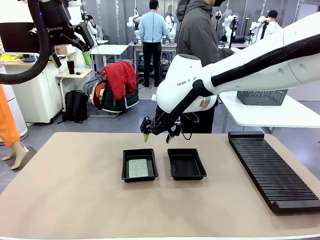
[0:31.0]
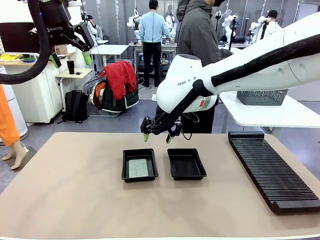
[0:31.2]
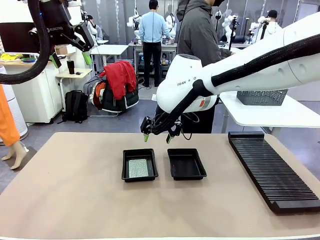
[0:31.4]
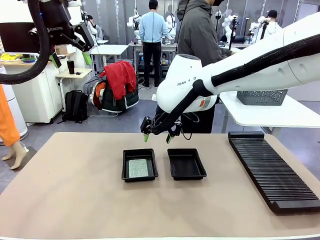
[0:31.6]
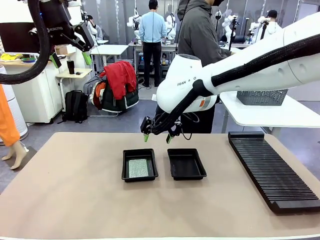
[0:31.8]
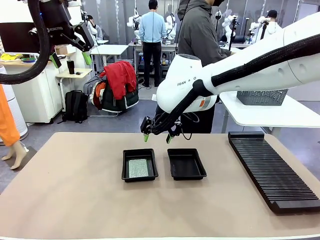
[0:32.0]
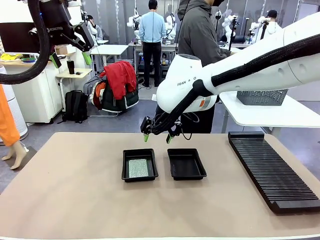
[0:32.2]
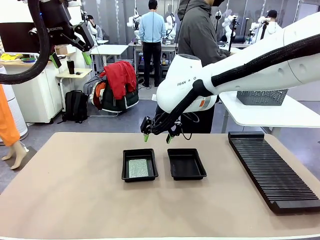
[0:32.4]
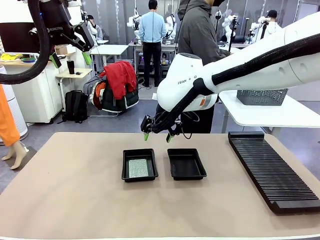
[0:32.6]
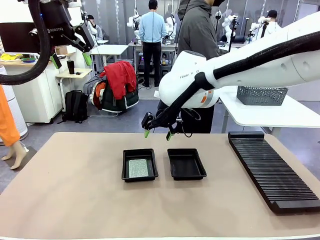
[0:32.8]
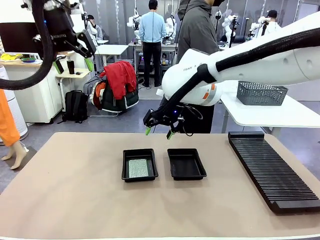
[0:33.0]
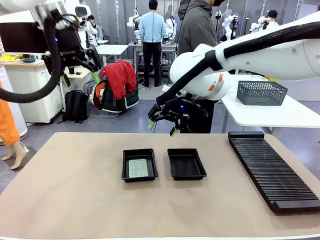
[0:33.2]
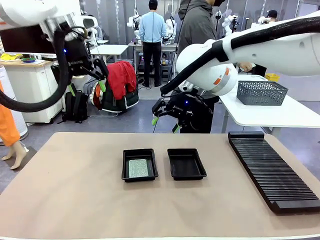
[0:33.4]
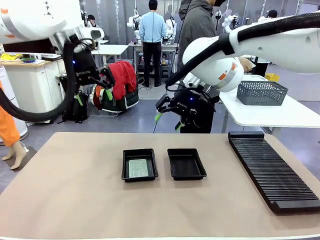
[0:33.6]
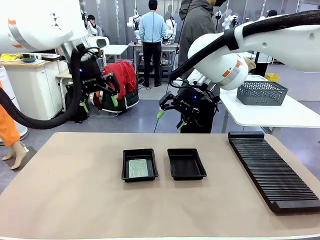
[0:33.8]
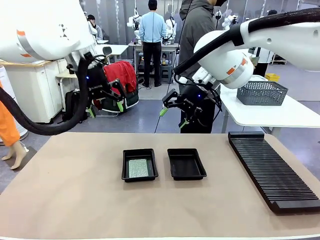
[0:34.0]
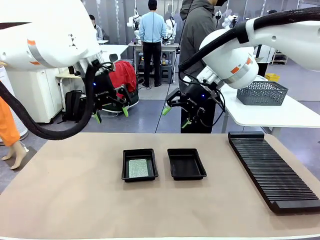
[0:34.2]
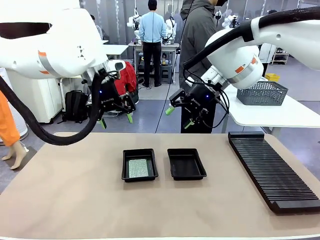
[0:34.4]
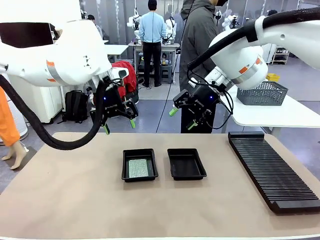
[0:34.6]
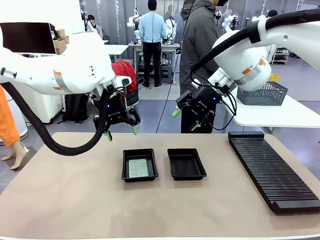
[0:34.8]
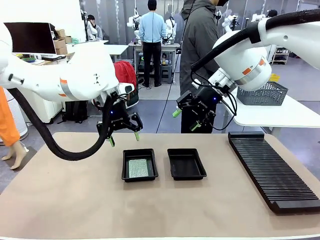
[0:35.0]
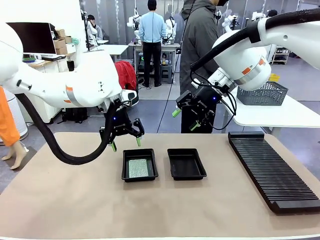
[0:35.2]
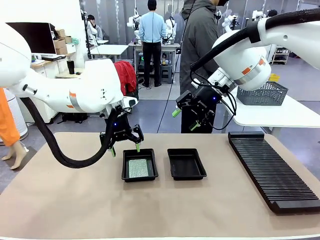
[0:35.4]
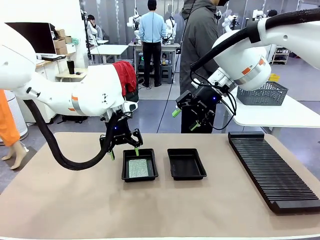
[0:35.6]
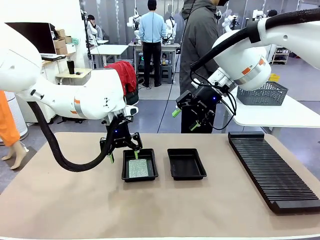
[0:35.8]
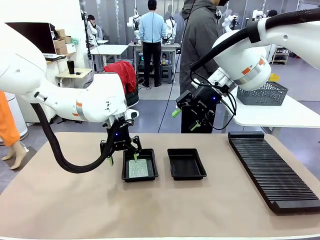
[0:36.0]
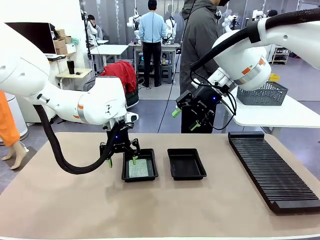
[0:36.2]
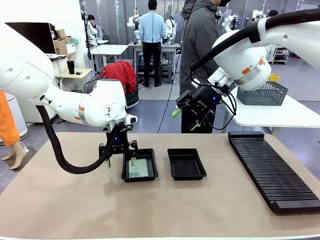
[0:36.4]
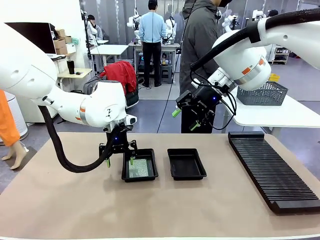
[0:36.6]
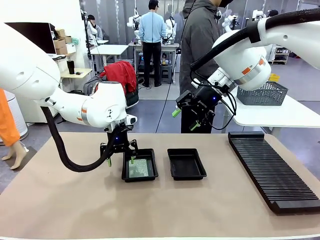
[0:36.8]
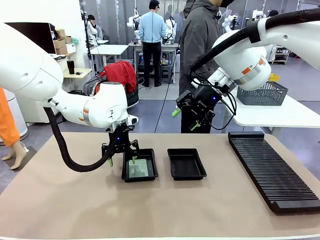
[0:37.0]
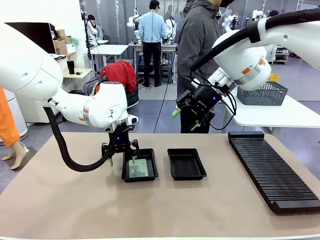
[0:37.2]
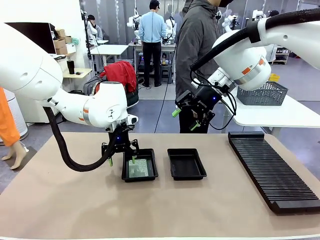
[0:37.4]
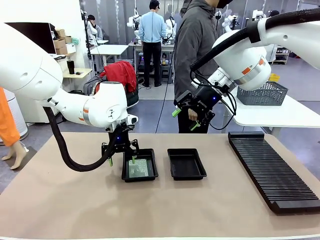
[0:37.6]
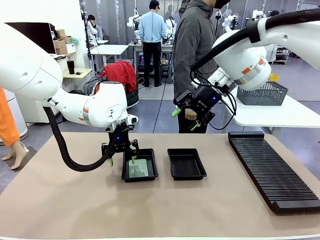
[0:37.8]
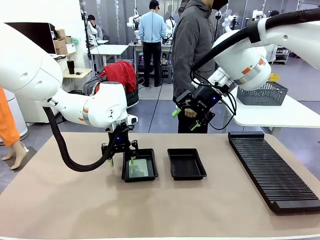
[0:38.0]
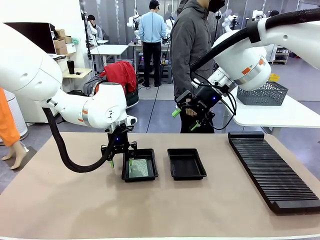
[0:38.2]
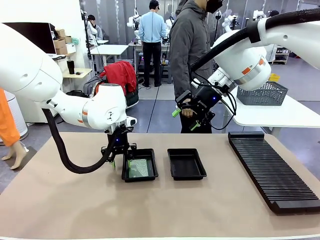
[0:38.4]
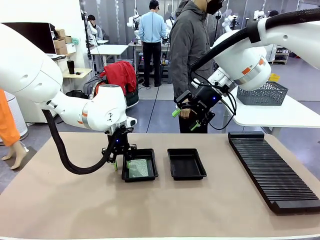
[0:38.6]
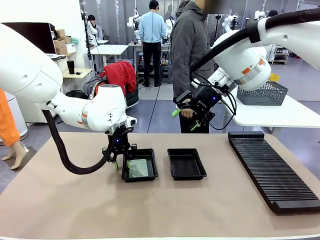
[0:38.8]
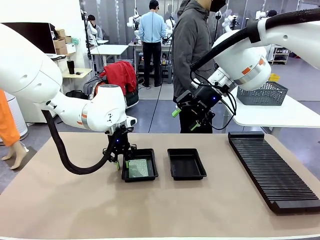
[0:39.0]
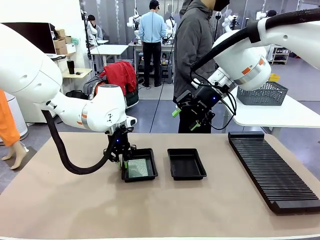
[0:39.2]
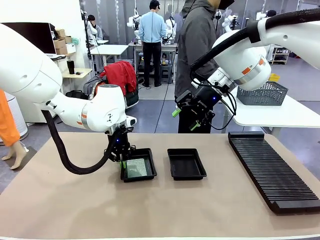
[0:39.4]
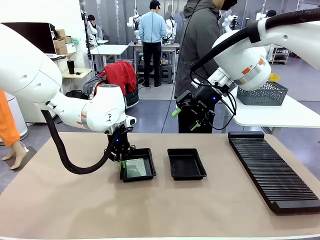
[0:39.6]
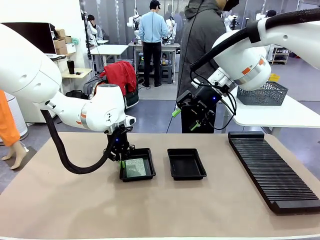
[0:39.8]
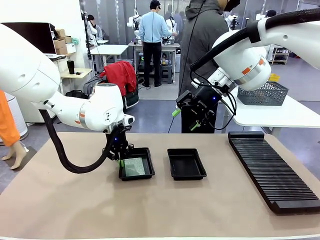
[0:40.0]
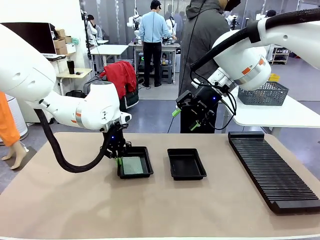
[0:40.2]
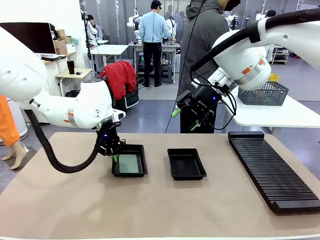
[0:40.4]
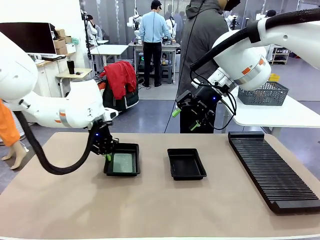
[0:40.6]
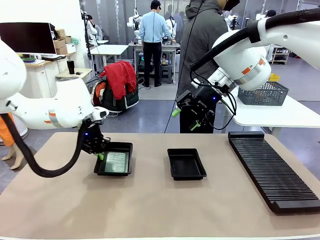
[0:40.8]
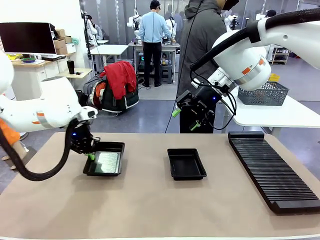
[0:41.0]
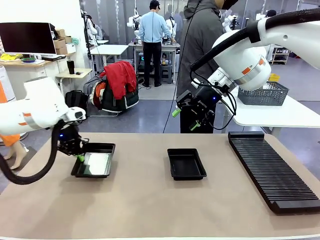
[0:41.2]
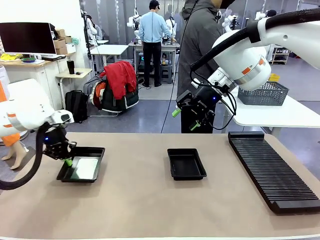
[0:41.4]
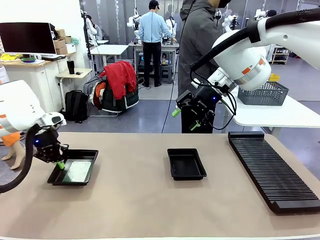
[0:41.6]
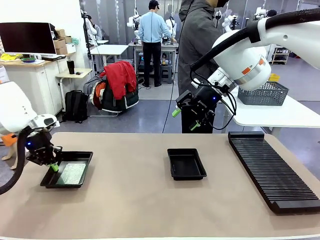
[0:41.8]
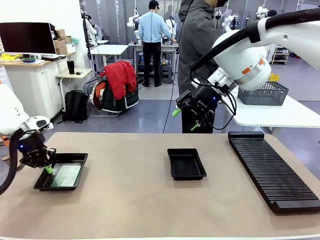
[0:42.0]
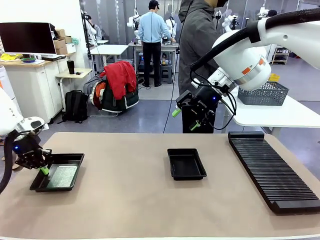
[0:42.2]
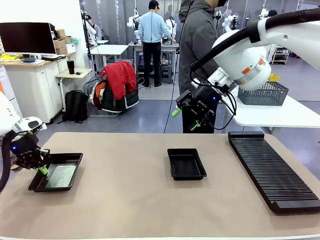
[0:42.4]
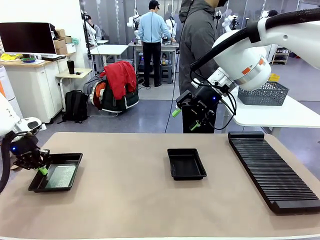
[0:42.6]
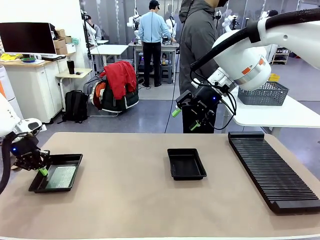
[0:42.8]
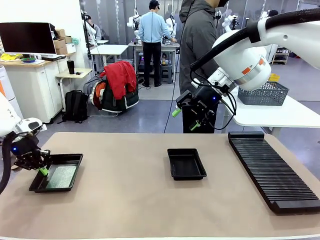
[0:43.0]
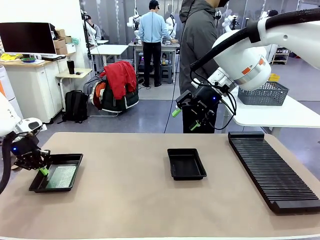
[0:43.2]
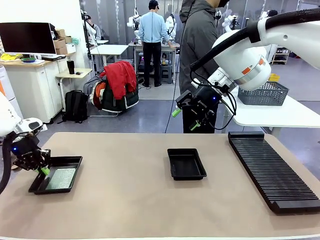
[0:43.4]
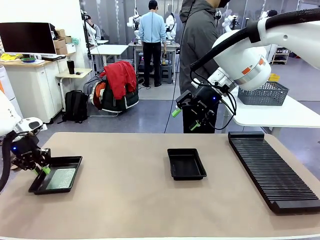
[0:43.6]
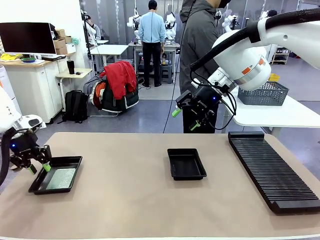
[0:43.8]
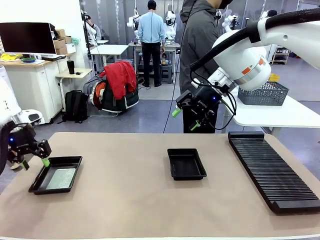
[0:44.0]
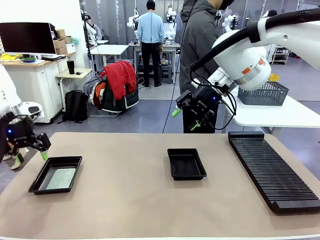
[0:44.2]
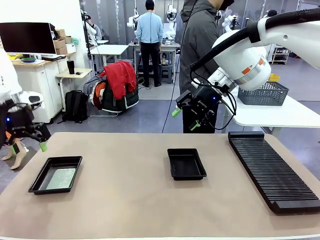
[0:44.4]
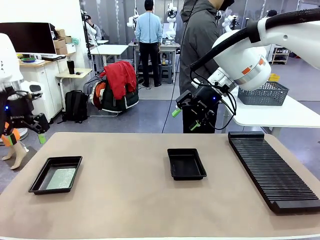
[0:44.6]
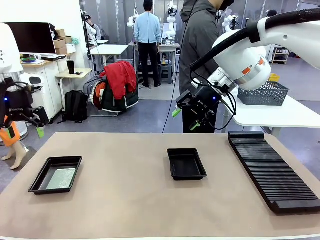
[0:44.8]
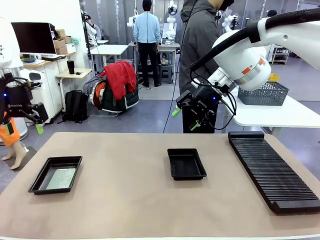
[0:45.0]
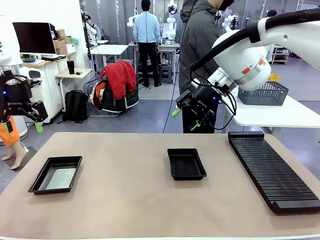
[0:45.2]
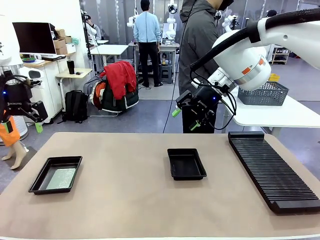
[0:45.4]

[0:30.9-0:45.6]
Task: Inspect and transfer BCBs to ESD trays.
Robot: Pick up the ESD tray and place it on the left side of the table.

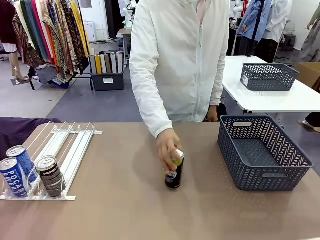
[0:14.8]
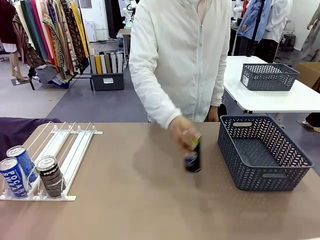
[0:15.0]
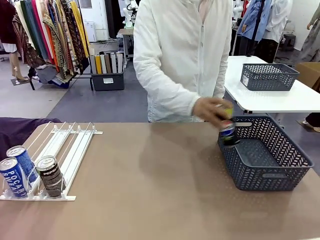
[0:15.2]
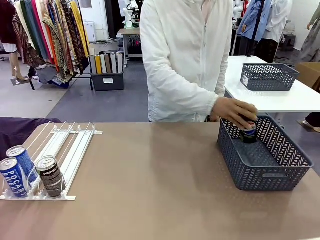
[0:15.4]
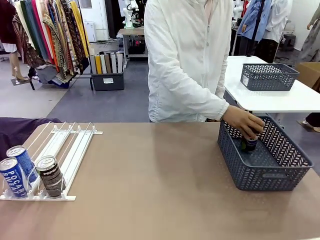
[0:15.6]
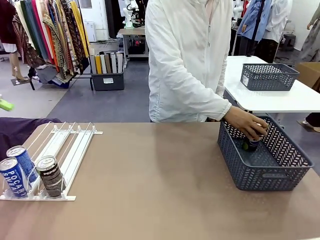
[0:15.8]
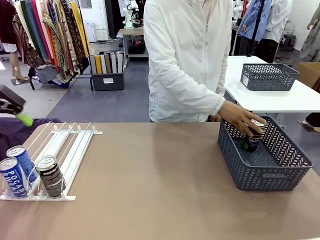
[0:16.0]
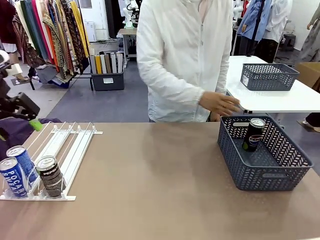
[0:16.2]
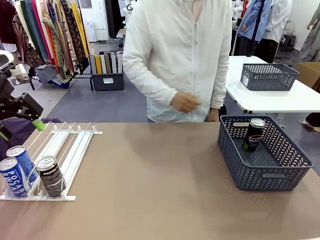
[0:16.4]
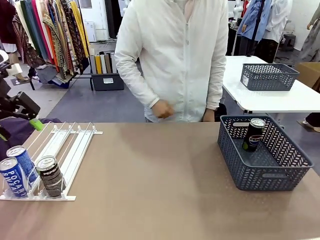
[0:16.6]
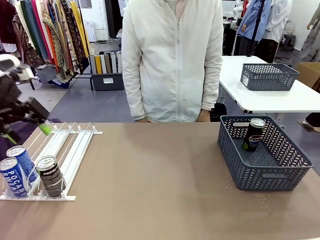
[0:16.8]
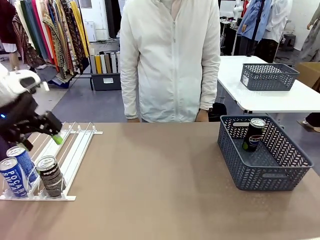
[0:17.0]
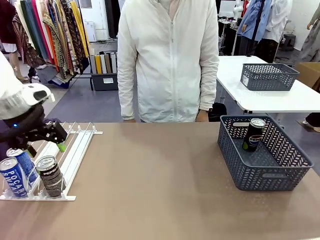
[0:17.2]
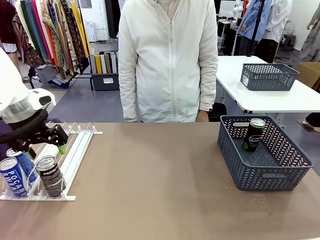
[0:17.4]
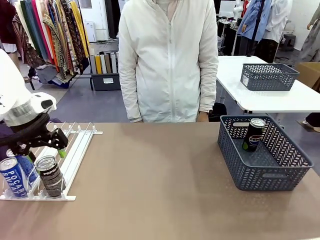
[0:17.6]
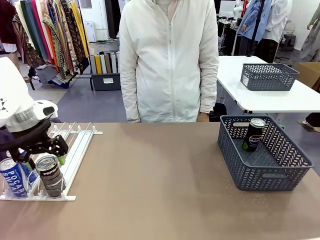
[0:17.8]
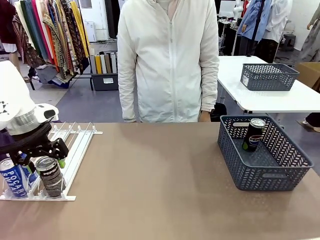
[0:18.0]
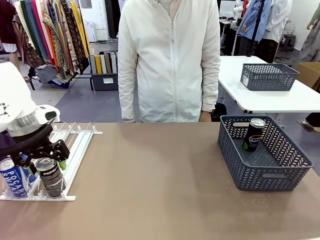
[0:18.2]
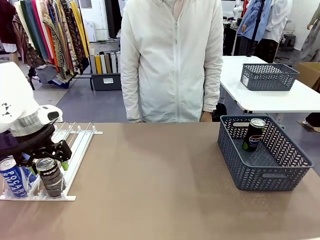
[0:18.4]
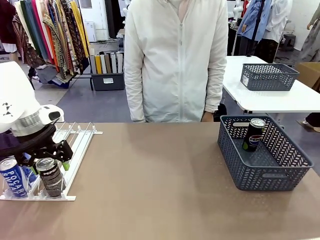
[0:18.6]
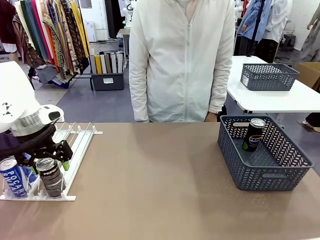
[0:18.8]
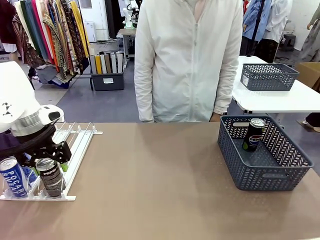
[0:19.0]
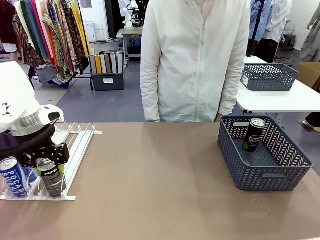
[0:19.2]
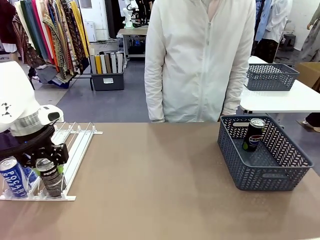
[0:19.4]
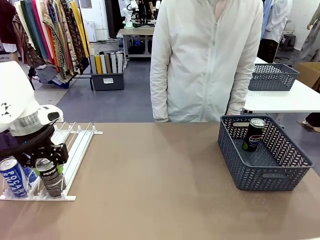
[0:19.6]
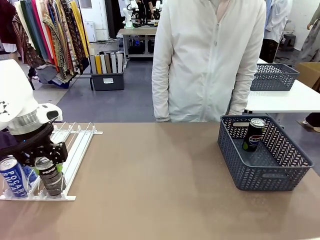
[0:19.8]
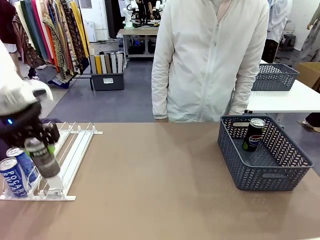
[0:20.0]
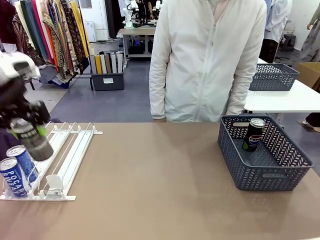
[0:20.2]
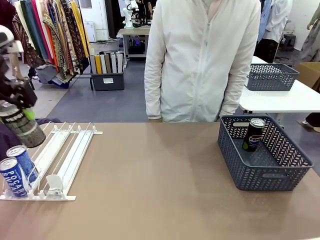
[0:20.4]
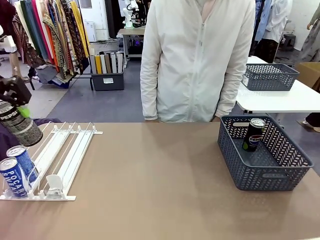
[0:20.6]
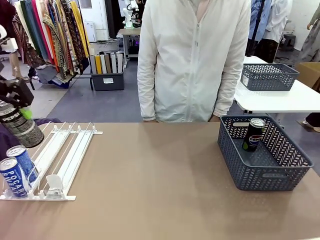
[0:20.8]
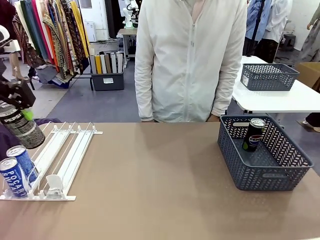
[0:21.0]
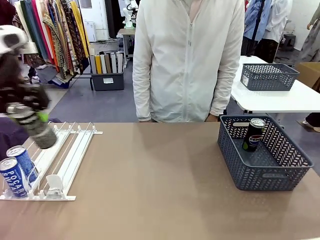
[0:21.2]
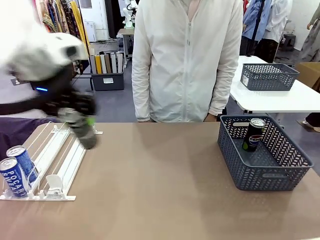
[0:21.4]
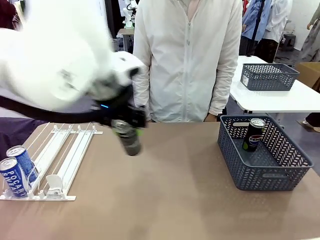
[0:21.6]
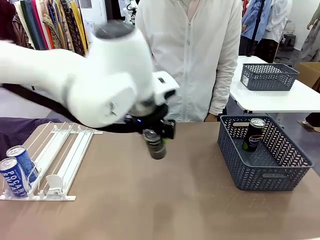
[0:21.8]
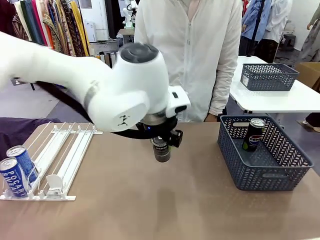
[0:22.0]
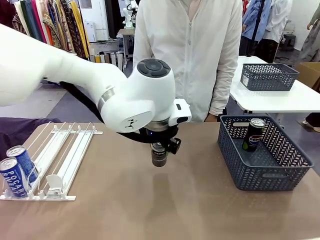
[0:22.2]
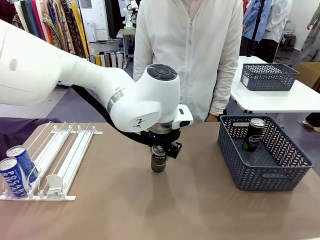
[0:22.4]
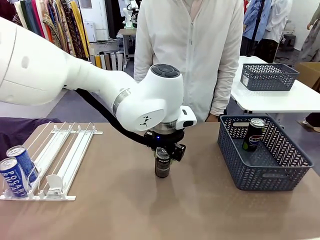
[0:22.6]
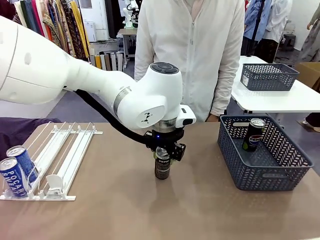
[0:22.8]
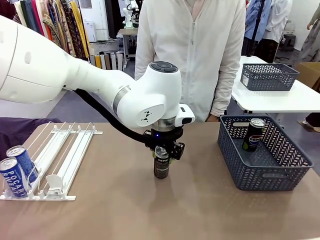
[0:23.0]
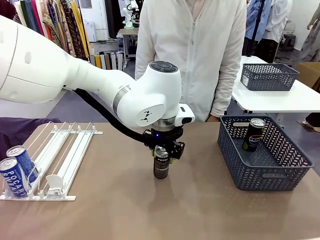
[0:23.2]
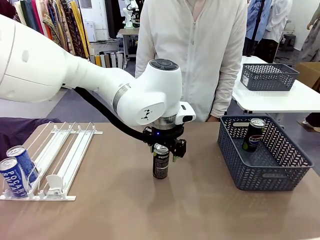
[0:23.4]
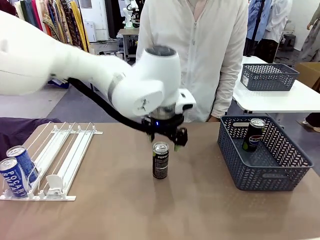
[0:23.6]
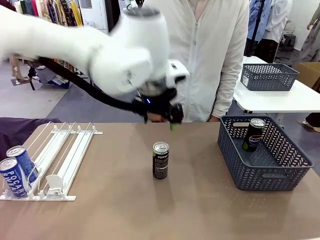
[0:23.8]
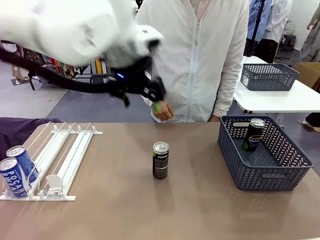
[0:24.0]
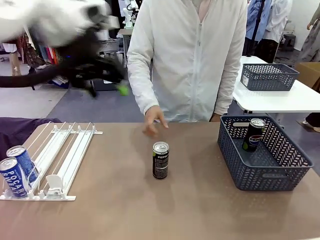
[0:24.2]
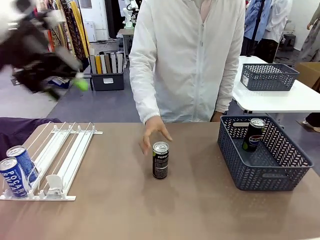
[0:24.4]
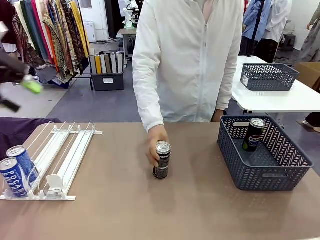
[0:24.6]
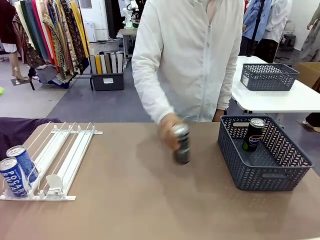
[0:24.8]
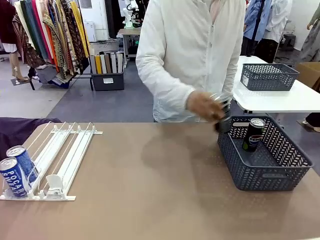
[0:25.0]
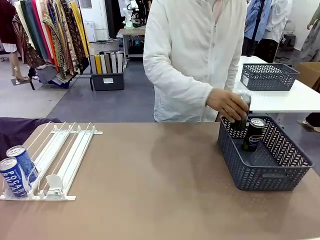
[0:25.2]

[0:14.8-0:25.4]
Task: Retrieve and store the cans from the dispenser.
Robot: Pick up the last remaining can from one row of the Automatic Can Dispenser and place it in the middle of the table.
Person: Pick up one Pepsi can from the middle of the robot table and place it in the basket.
